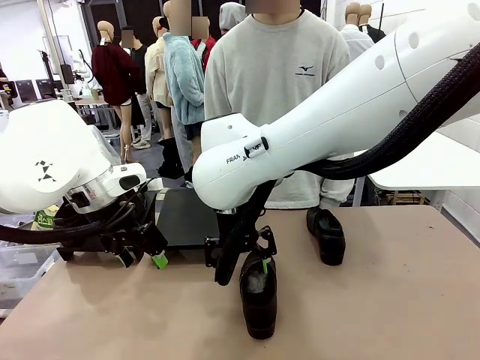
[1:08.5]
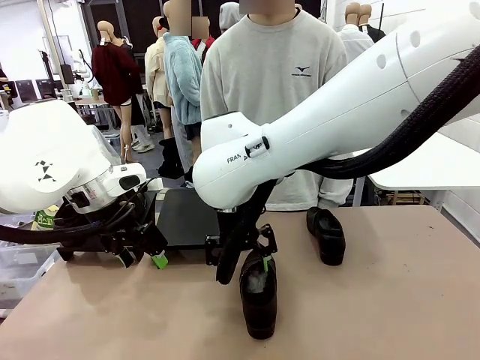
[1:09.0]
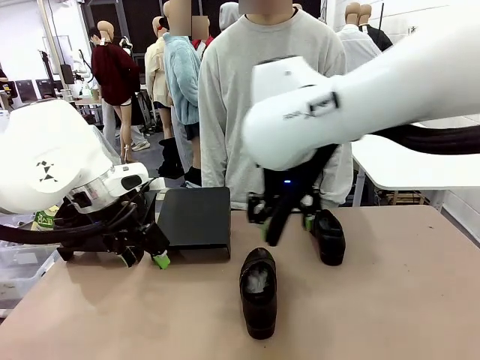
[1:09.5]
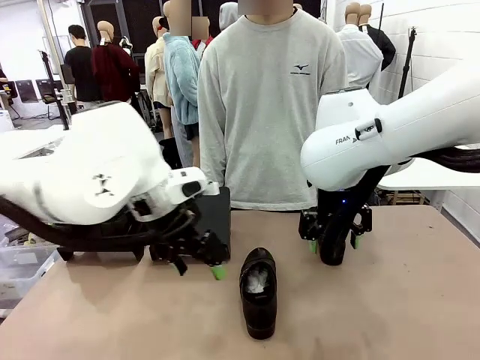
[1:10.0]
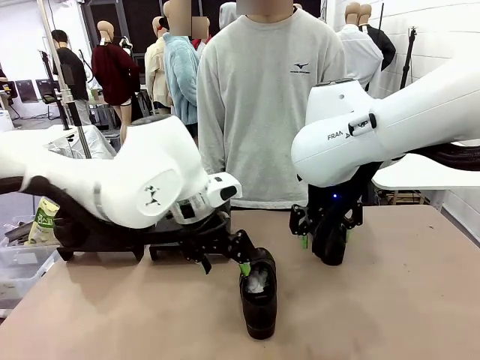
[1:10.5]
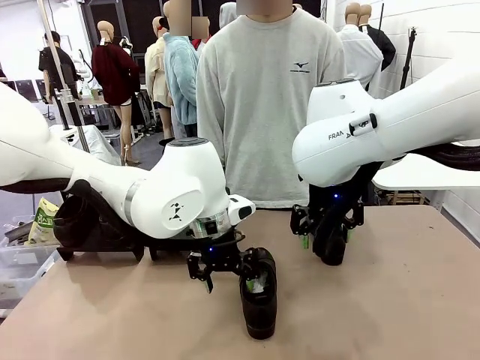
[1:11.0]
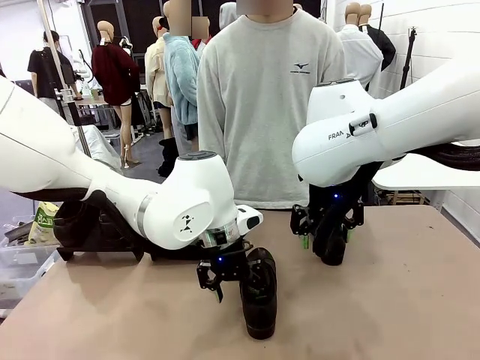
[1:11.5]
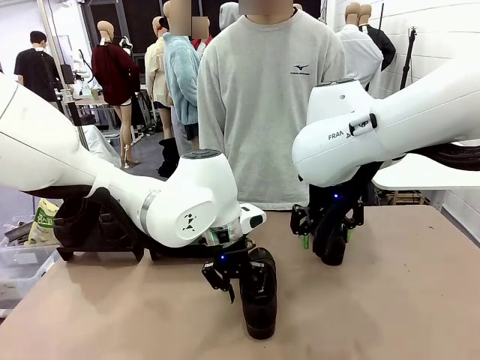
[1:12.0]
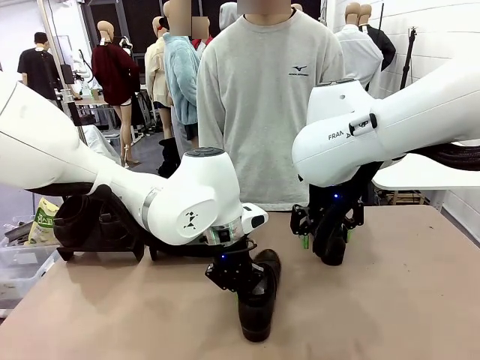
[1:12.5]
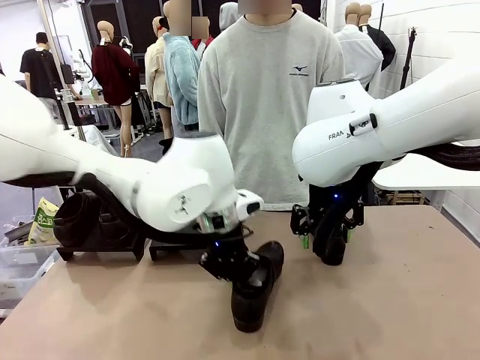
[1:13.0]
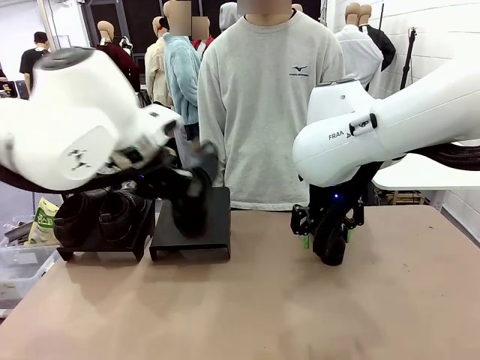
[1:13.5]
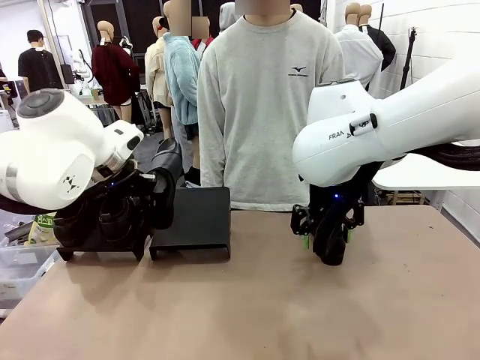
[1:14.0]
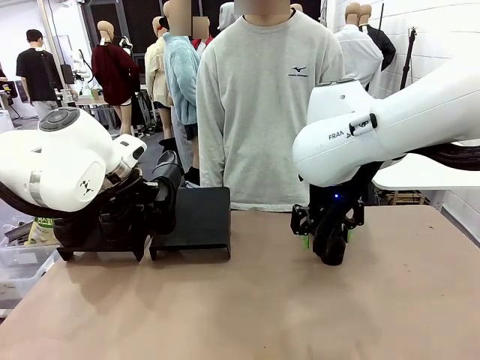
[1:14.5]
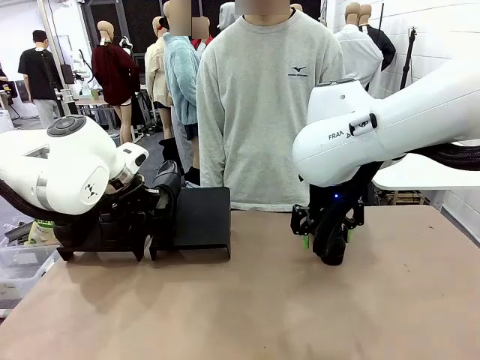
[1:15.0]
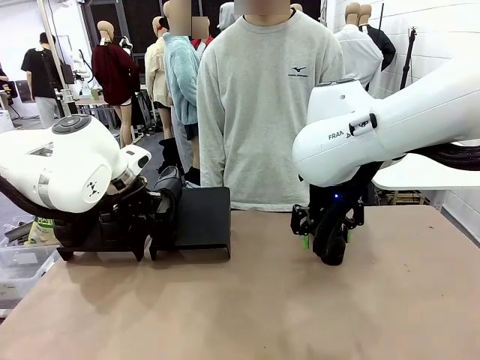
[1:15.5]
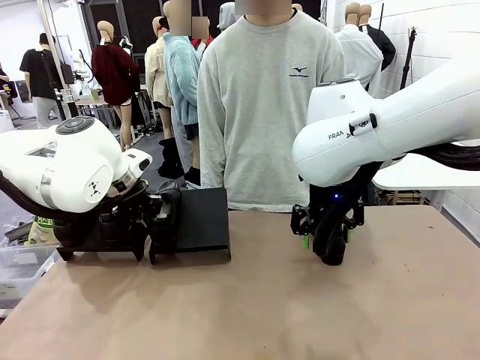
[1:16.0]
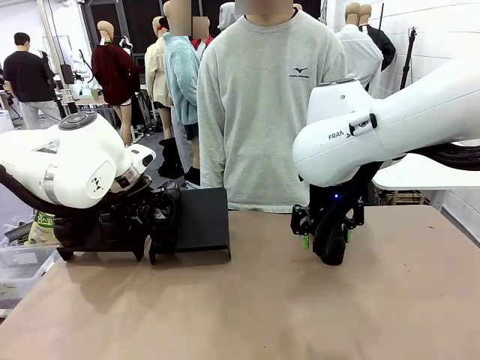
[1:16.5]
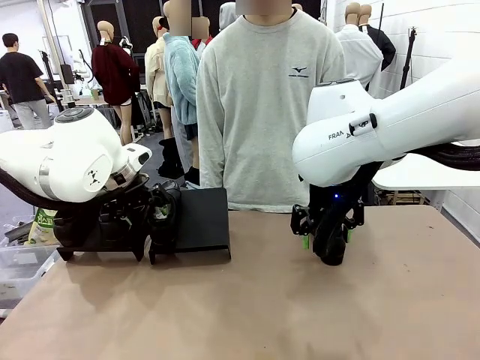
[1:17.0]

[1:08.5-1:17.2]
Task: Organize the shoes by placing them on the stand.
Robot: Place the Shoe from the middle of the table onto the Shoes Stand.

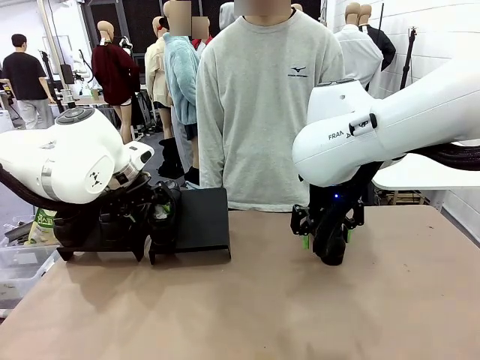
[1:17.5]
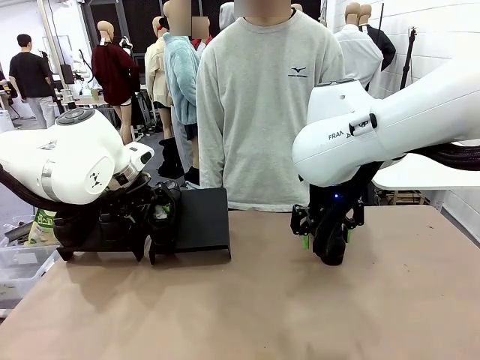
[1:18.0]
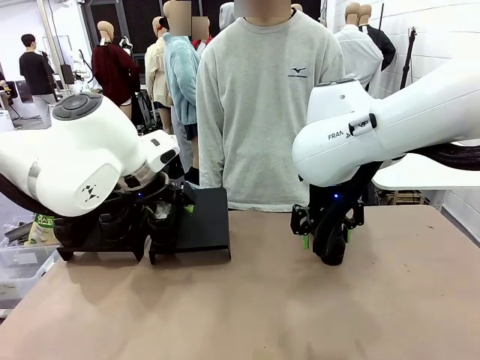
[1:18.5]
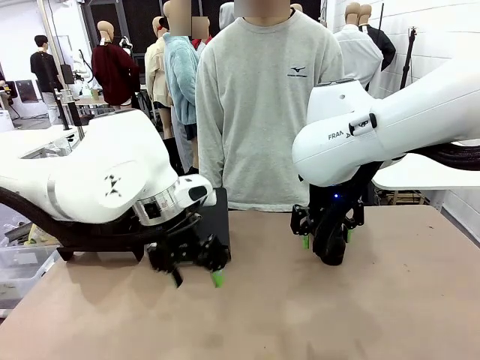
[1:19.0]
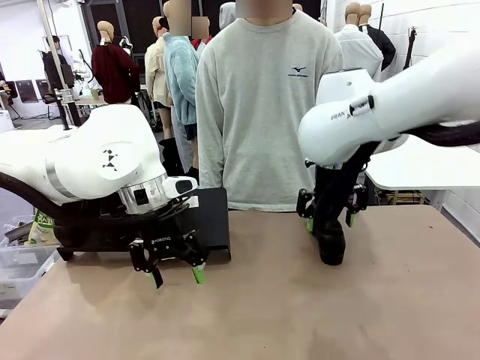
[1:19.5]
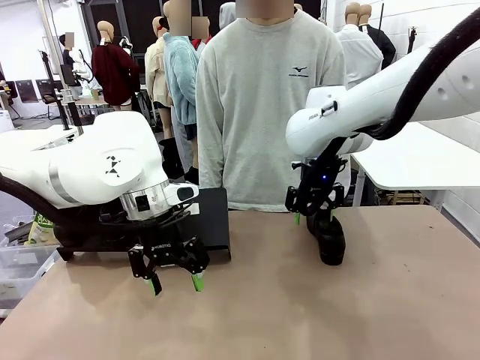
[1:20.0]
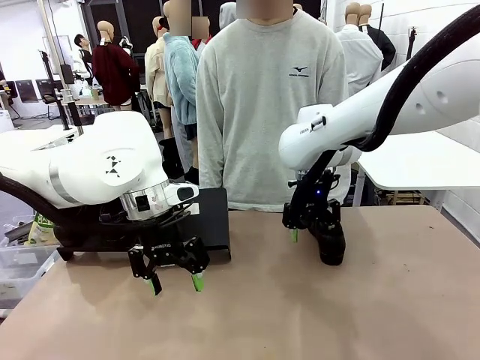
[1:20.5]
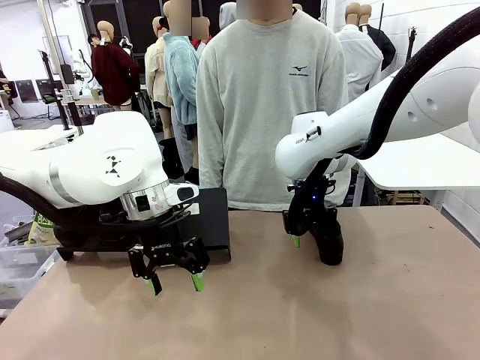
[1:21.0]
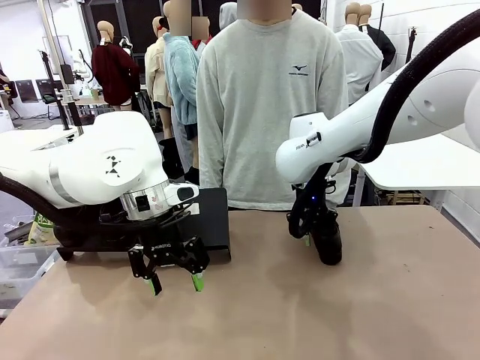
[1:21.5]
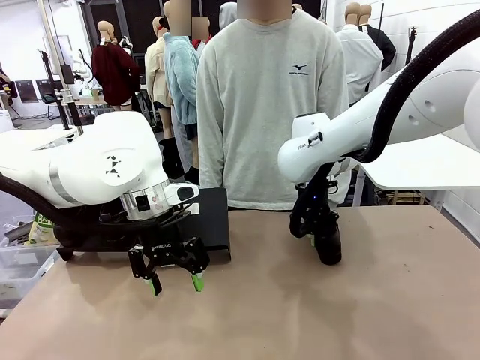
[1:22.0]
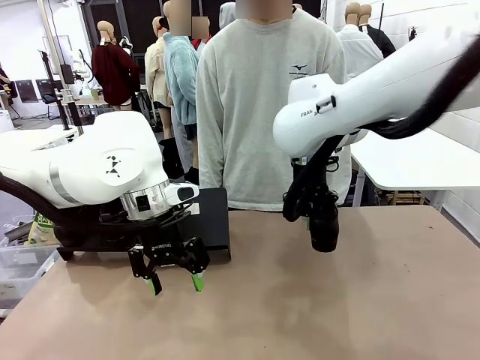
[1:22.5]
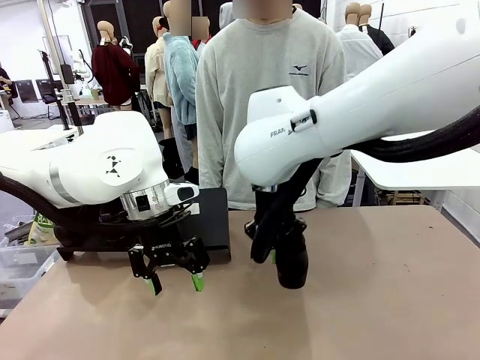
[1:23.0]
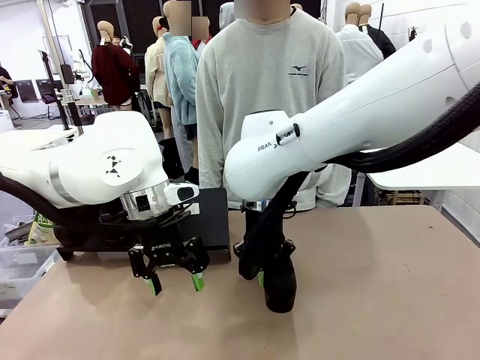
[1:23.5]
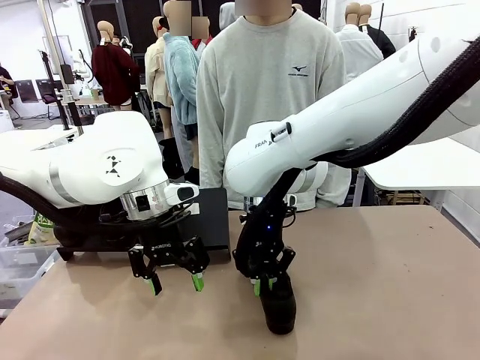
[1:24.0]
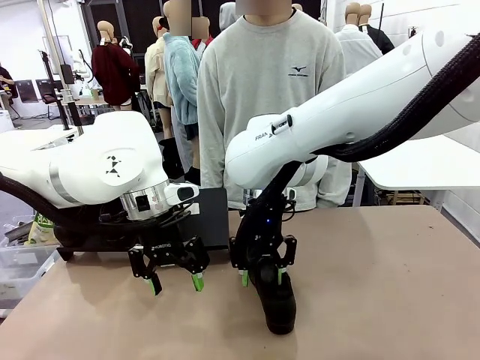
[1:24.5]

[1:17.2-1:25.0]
Robot: Pick up one Shoe and place it in the middle of the table.

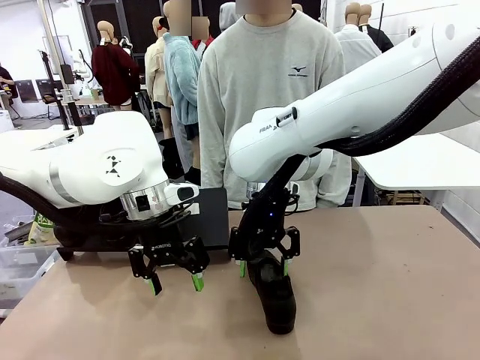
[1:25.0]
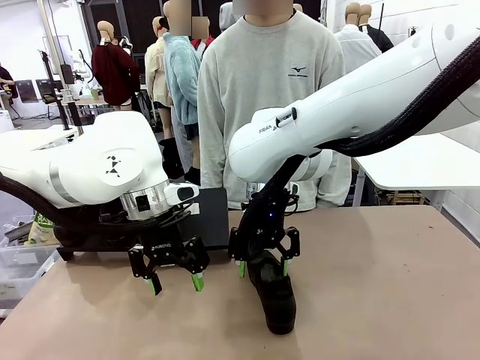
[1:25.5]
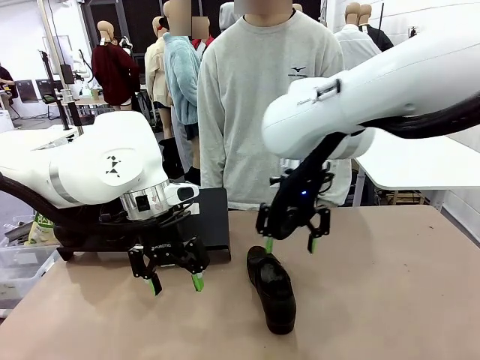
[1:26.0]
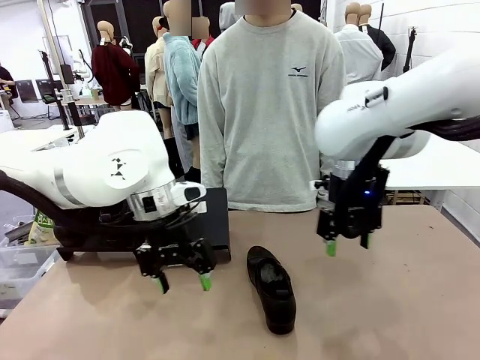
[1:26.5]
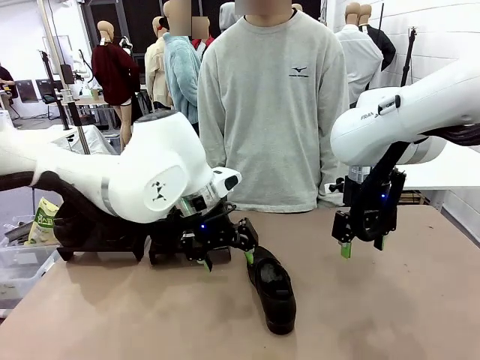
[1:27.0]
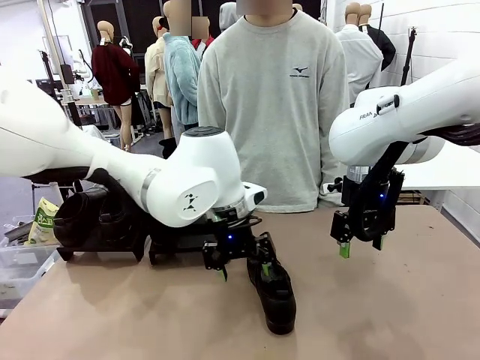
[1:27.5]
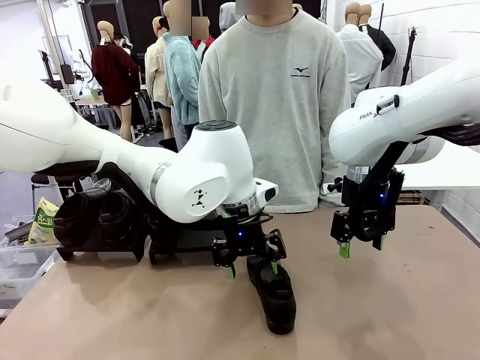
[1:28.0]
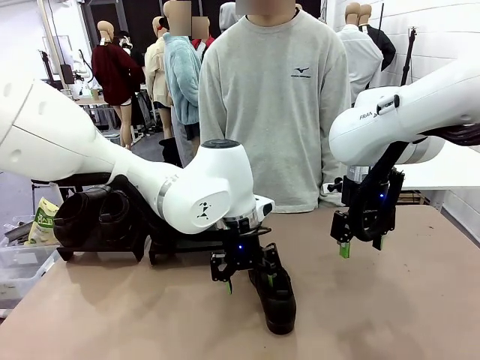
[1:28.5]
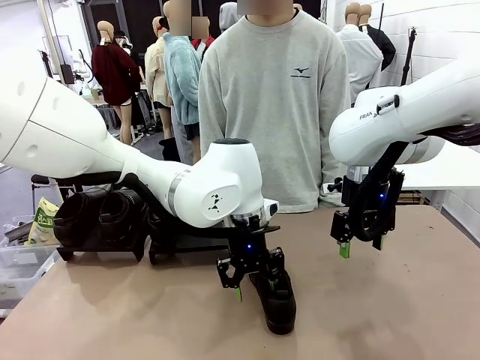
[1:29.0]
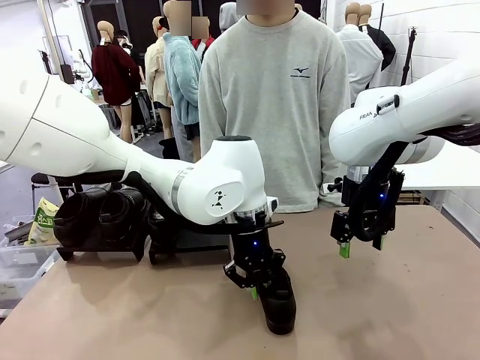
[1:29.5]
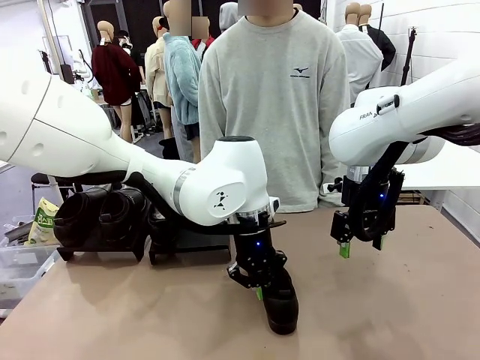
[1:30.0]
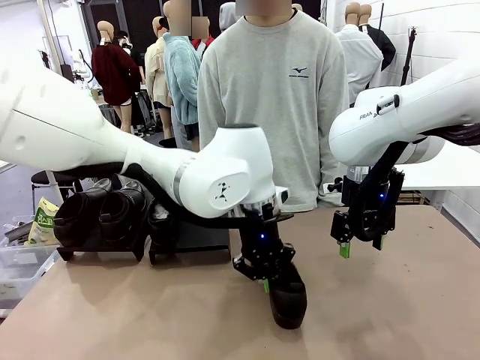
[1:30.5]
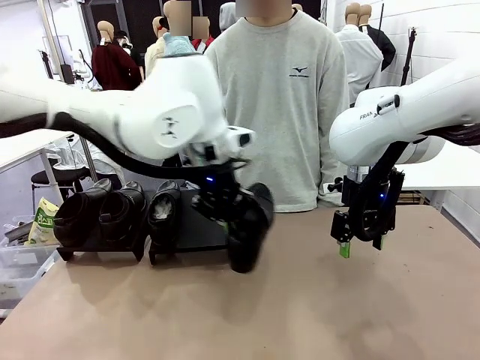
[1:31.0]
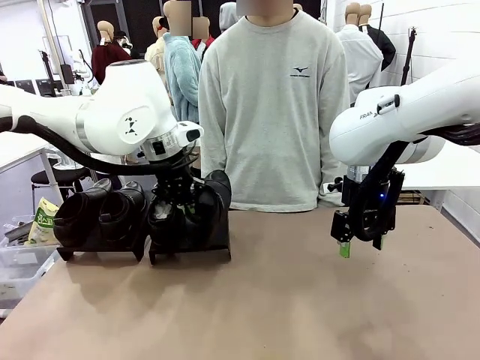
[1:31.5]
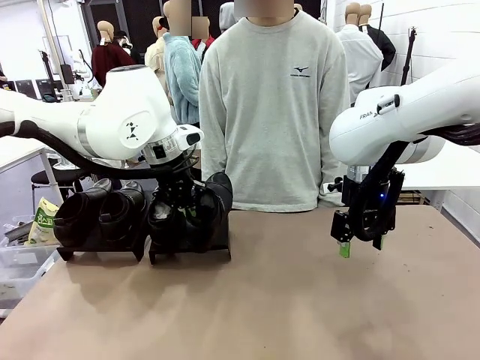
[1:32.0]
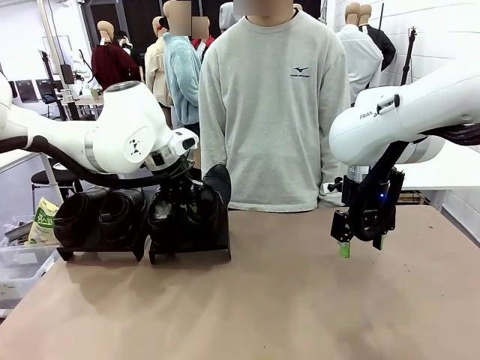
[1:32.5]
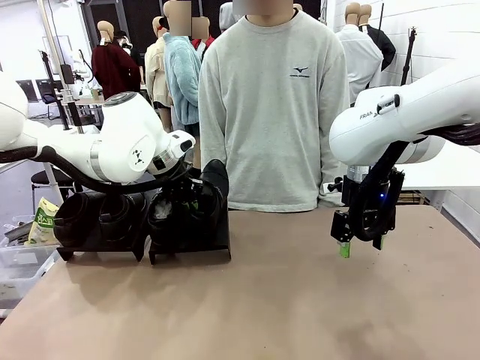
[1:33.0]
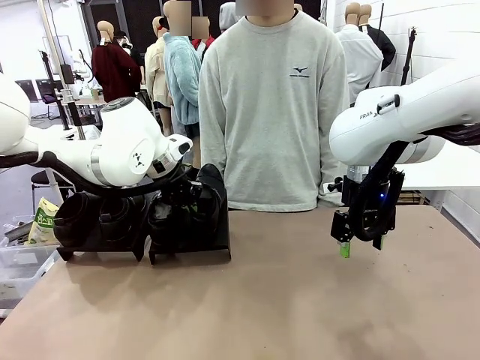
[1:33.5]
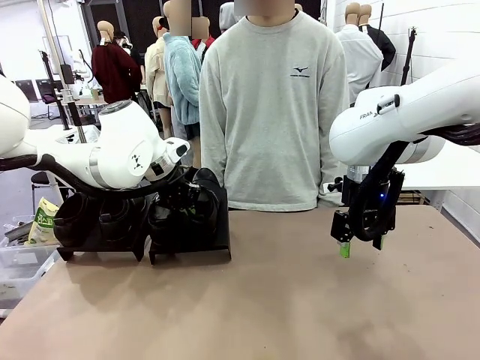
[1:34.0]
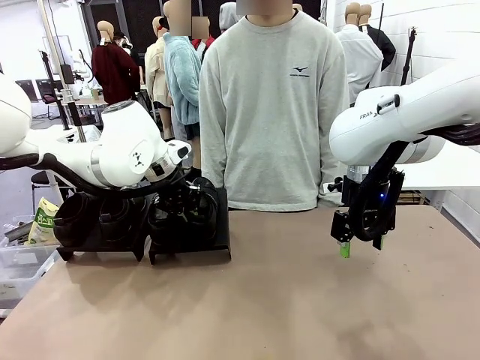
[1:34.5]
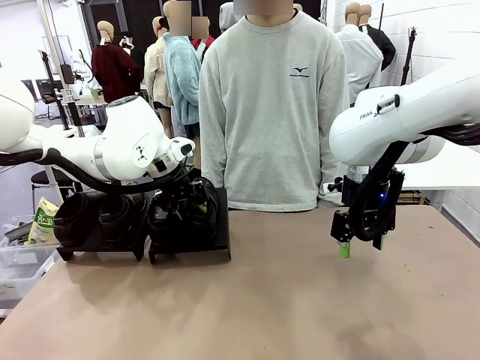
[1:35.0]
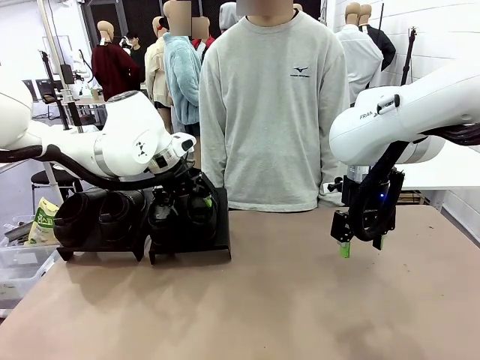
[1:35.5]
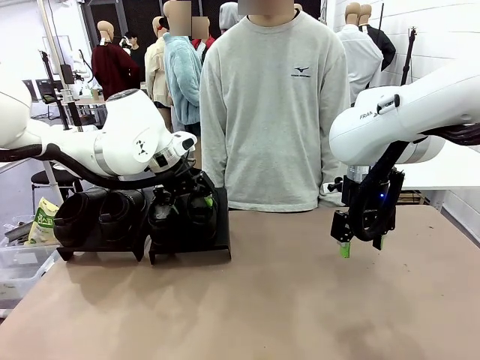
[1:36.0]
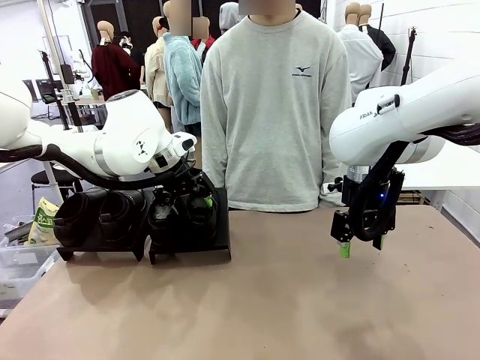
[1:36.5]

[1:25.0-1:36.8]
Robot: Place the Shoe from the middle of the table onto the Shoes Stand.
